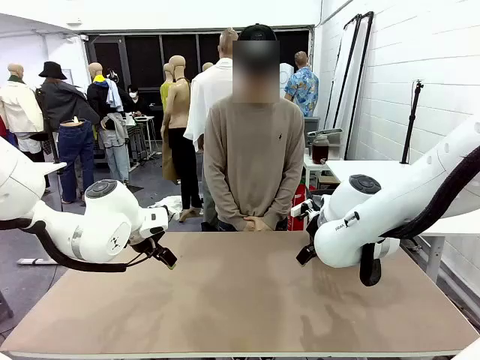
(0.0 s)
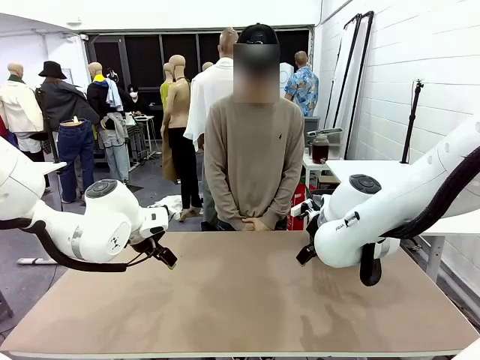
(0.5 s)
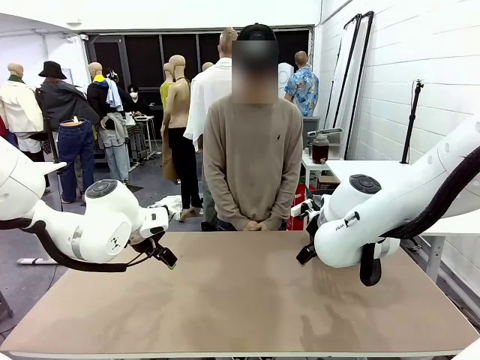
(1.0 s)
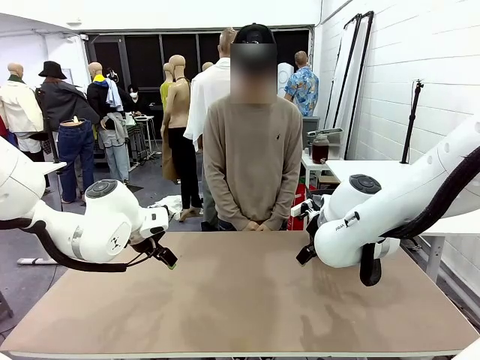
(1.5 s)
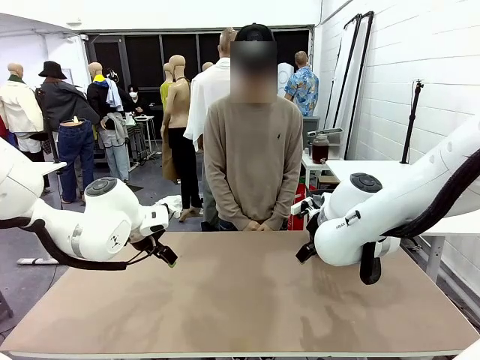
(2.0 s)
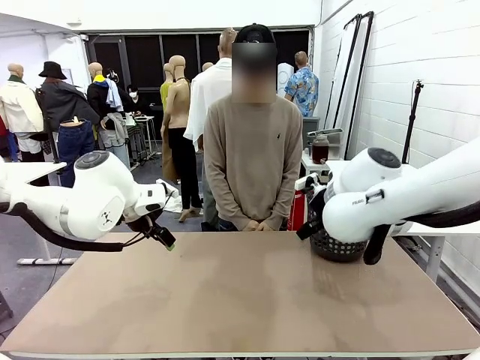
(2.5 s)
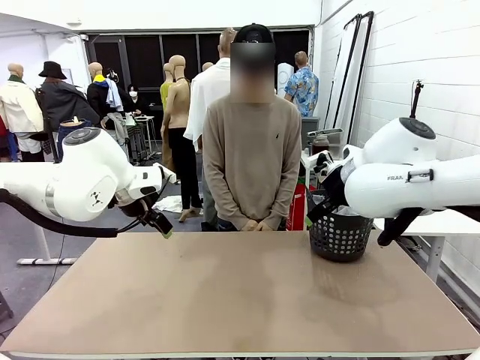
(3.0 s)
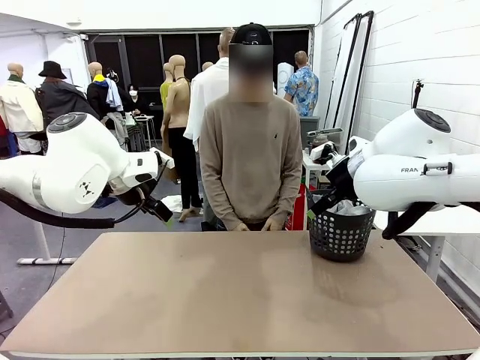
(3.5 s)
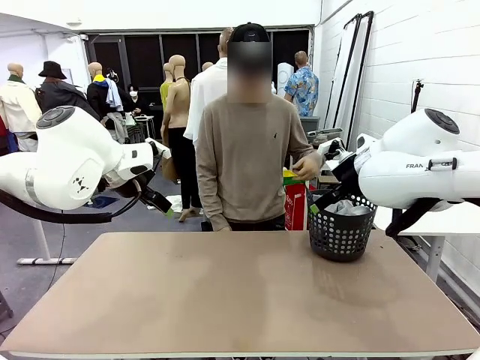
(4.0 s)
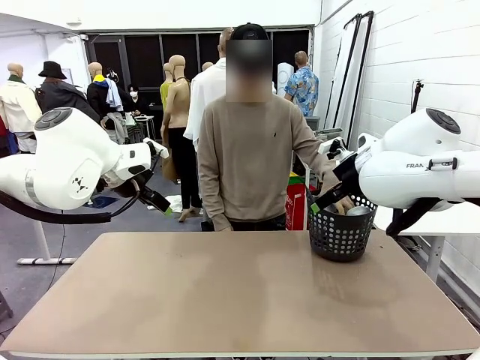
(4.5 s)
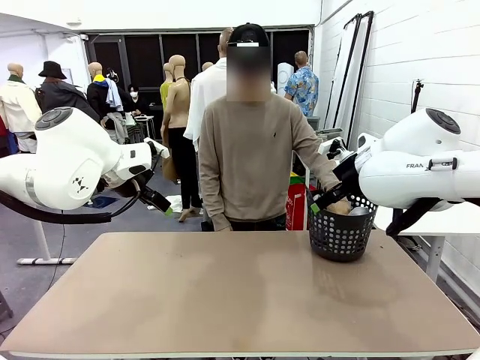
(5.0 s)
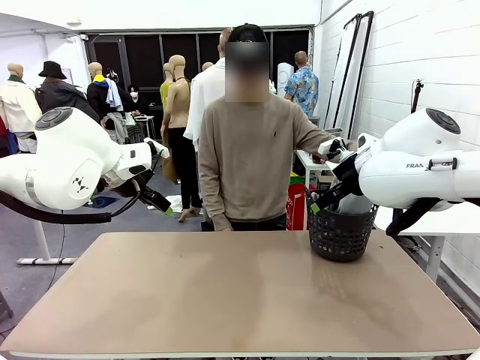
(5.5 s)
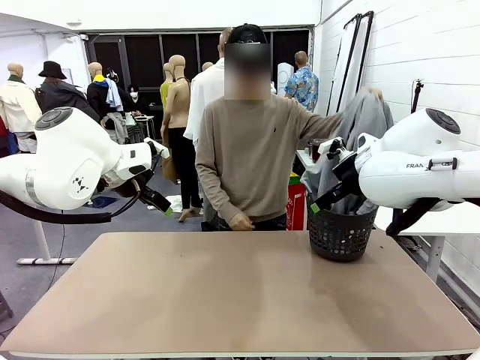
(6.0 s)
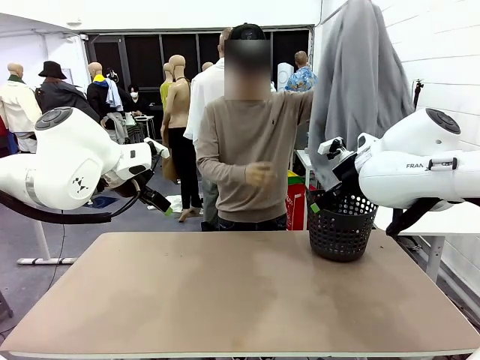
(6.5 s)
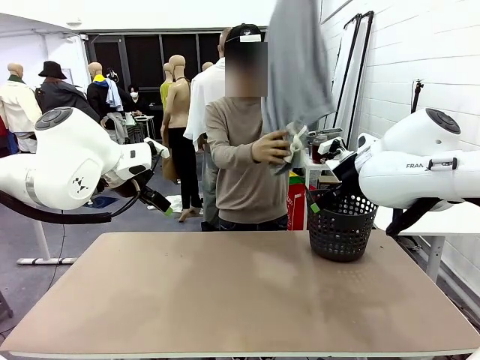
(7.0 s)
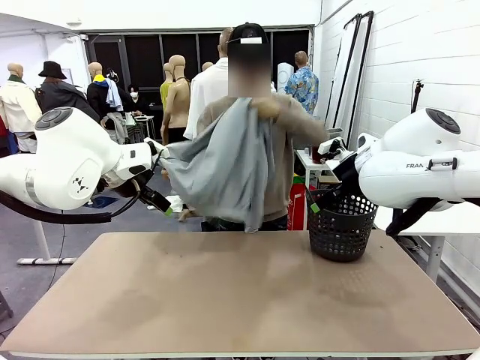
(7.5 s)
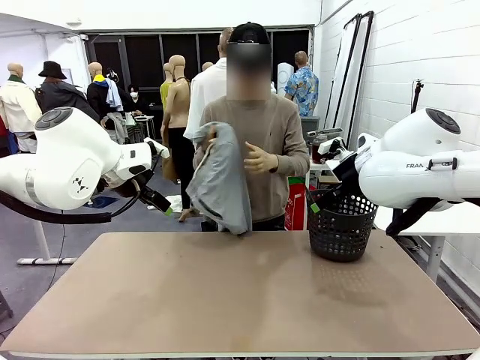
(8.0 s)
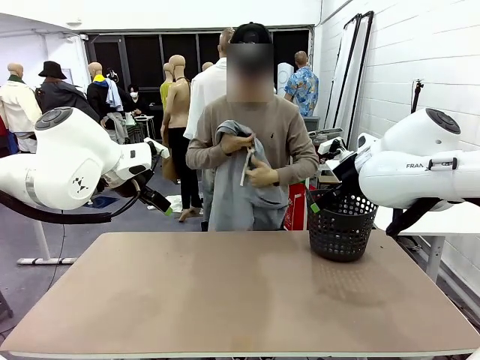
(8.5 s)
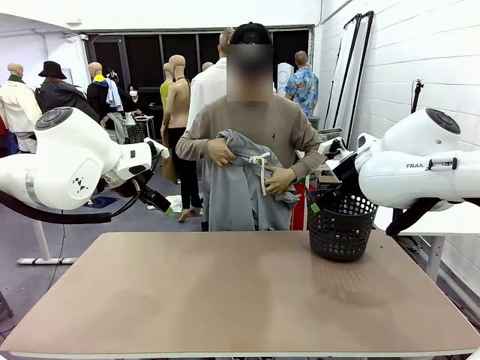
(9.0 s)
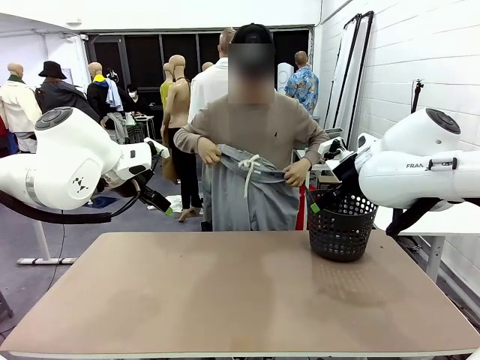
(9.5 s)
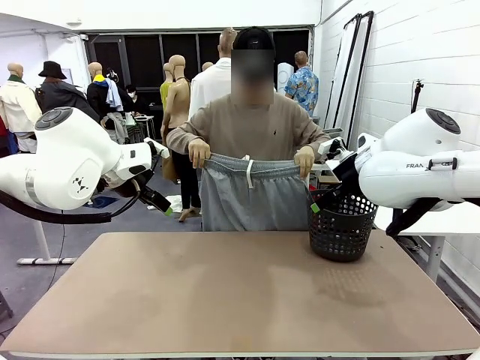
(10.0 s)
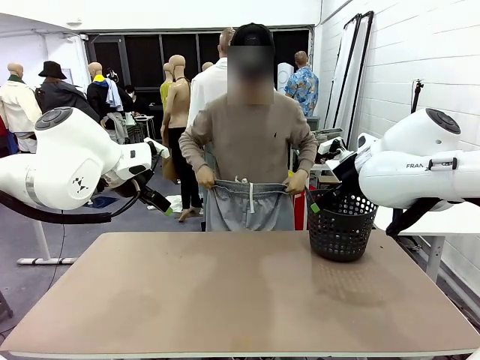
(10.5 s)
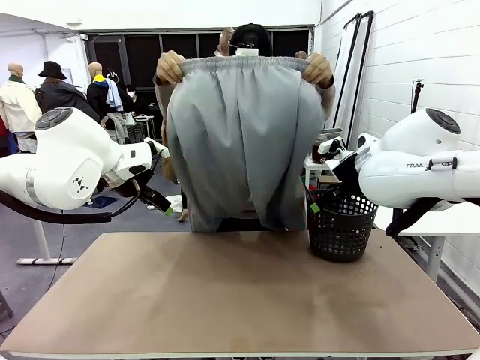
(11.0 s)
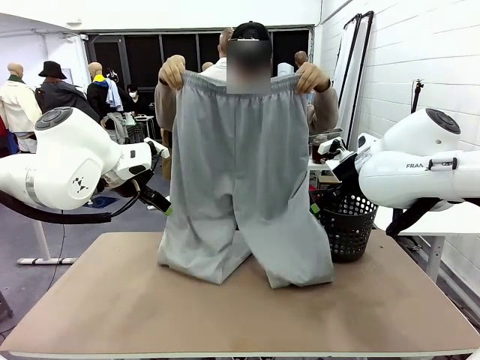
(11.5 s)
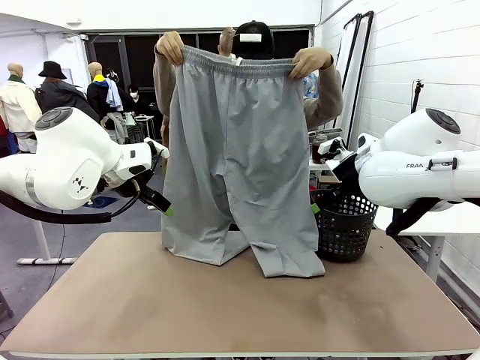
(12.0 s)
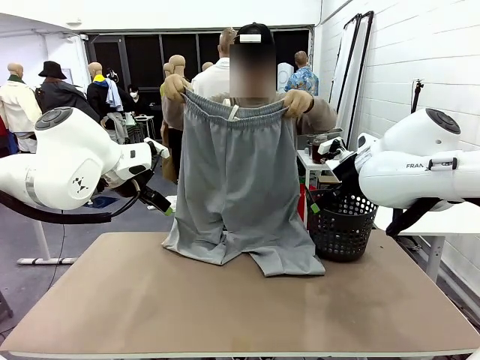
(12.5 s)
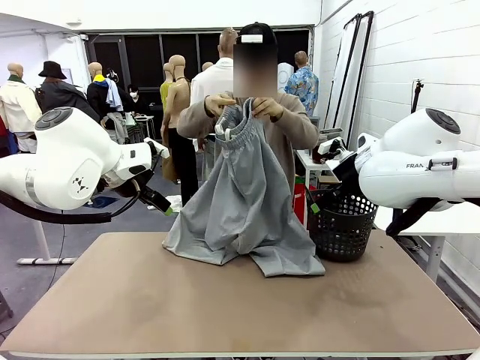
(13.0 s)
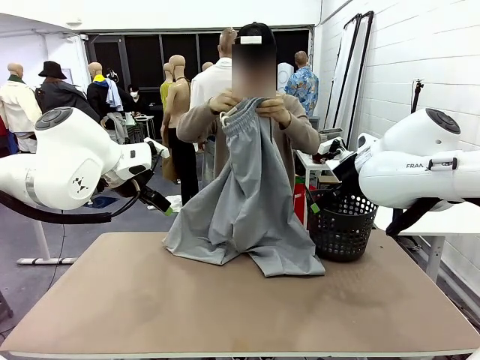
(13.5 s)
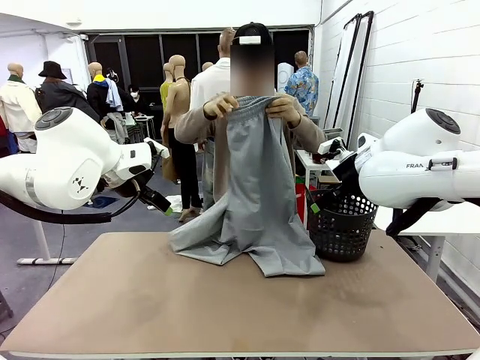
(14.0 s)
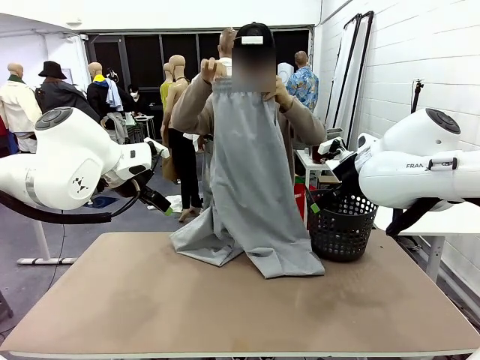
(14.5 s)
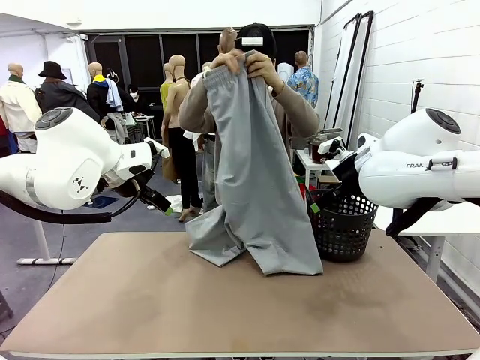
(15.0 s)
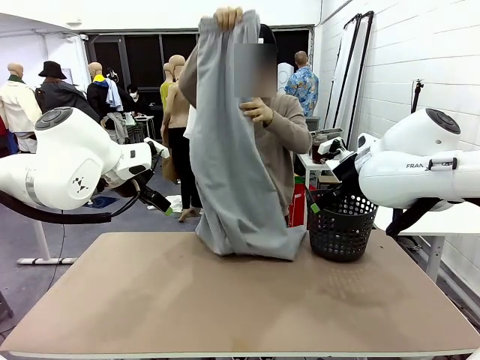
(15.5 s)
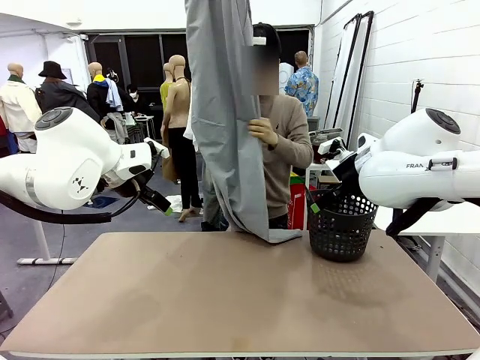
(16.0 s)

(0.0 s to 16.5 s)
Task: Fold the training pants.
Robot: Grab both ends of the Training pants handed by a person.
Person: Take the long pants out of the laundry basket, unfold them, fold the waist in half, and extend them so the robot can pick up both corners.

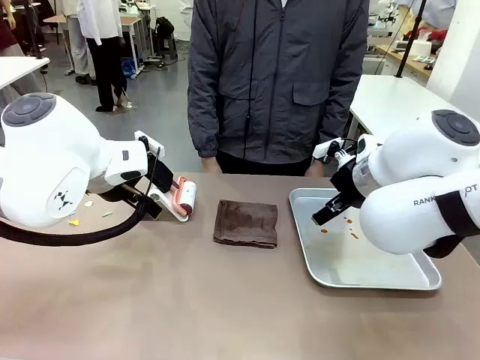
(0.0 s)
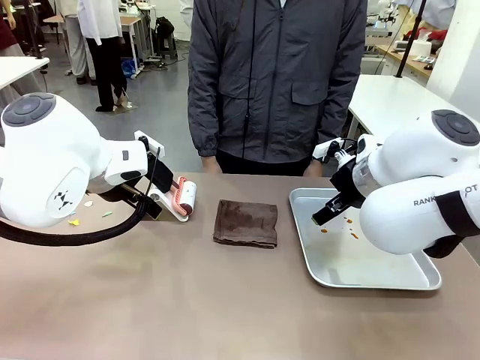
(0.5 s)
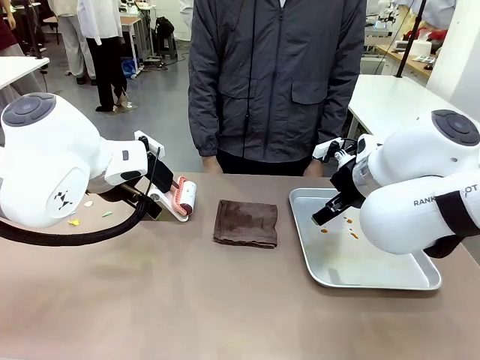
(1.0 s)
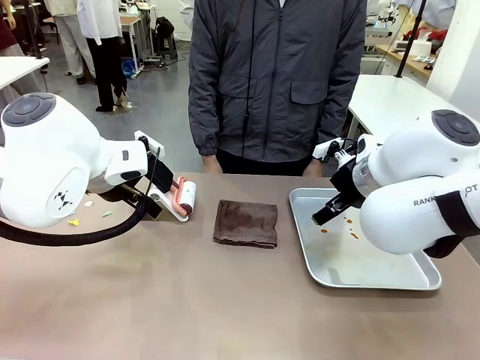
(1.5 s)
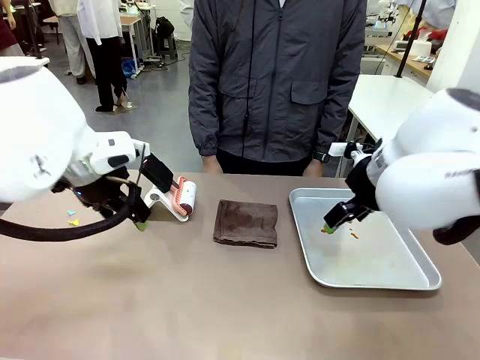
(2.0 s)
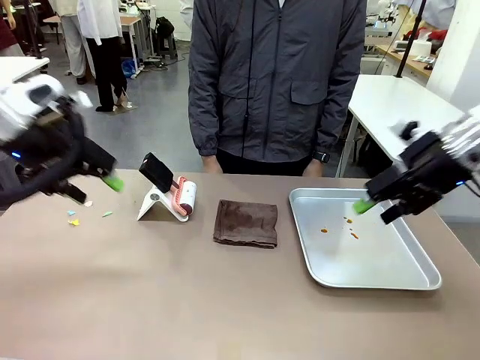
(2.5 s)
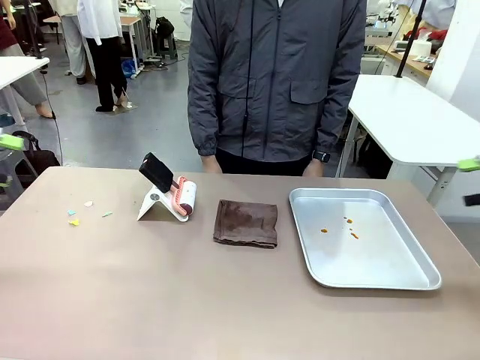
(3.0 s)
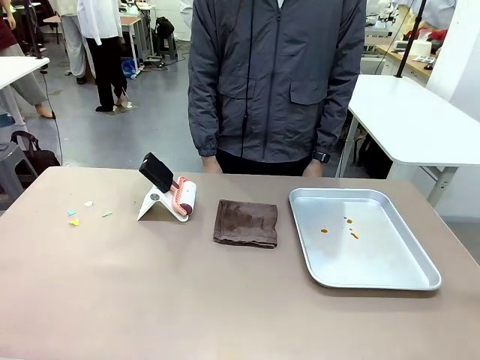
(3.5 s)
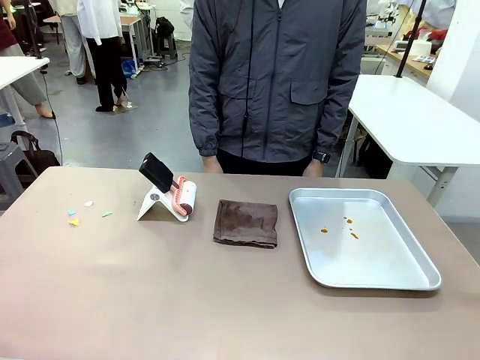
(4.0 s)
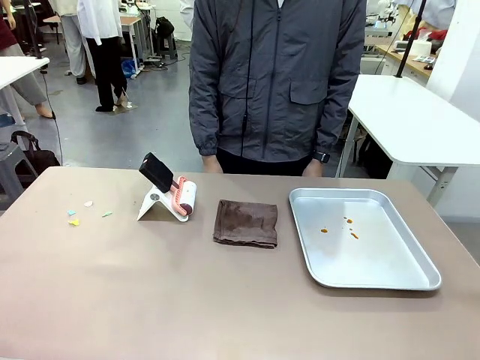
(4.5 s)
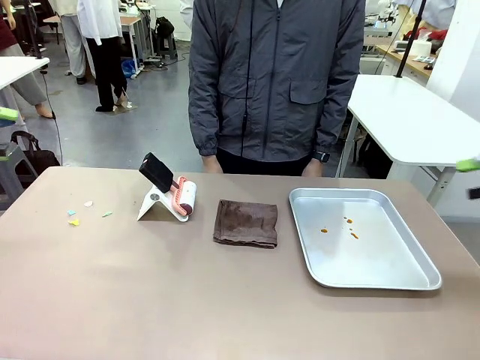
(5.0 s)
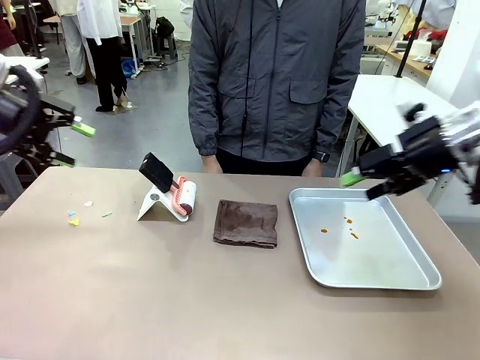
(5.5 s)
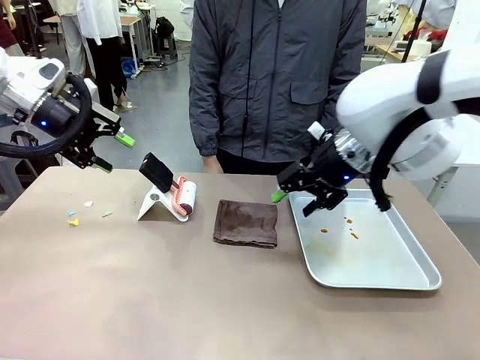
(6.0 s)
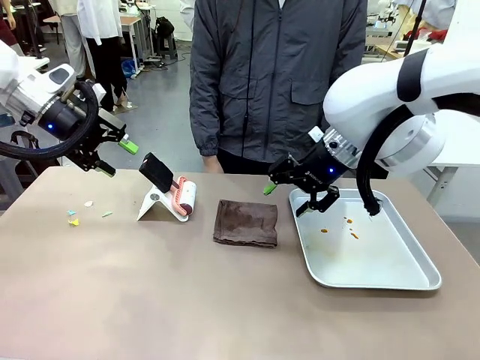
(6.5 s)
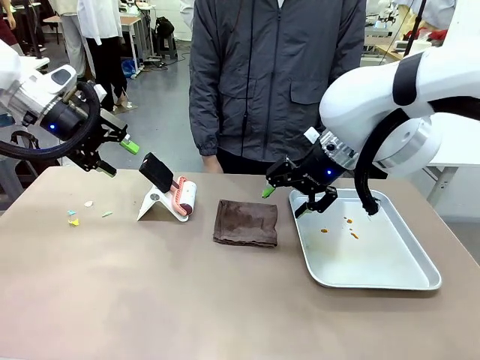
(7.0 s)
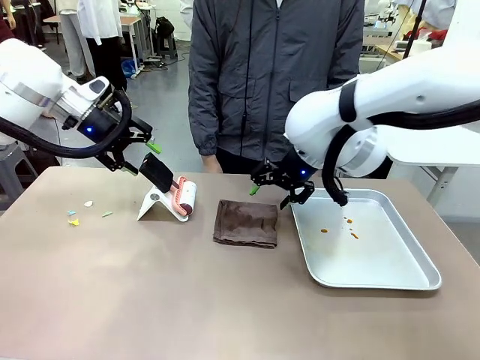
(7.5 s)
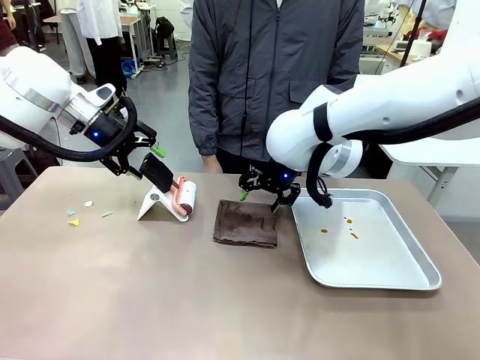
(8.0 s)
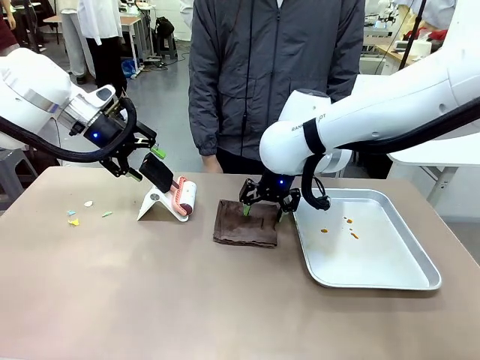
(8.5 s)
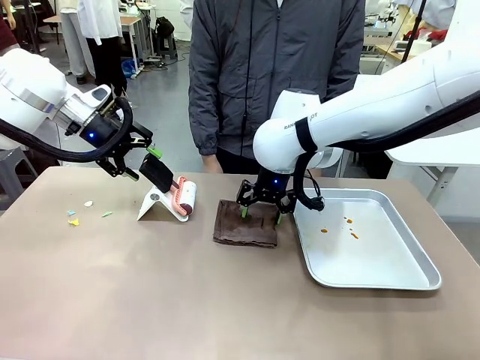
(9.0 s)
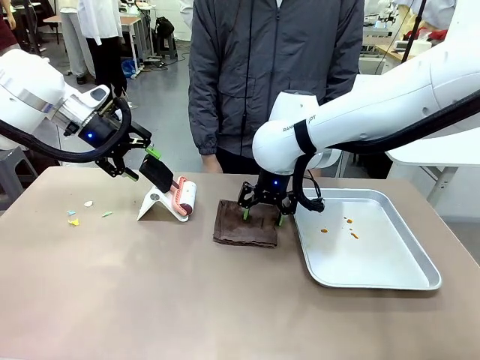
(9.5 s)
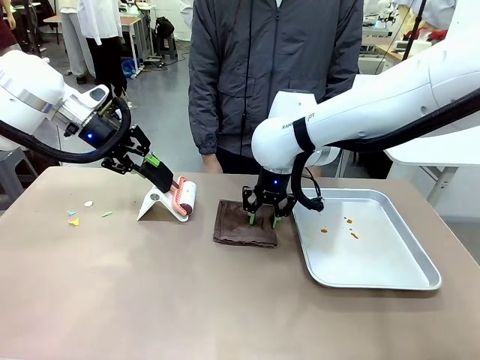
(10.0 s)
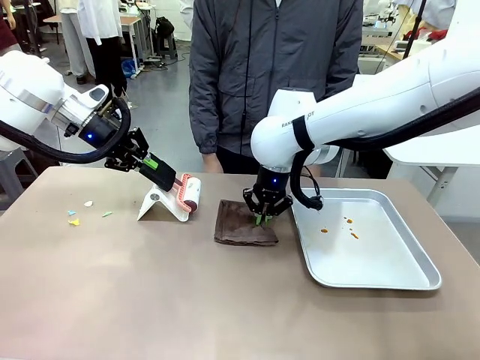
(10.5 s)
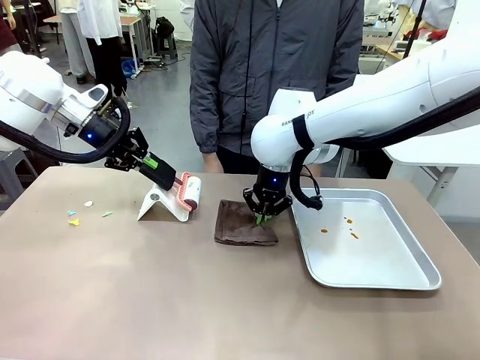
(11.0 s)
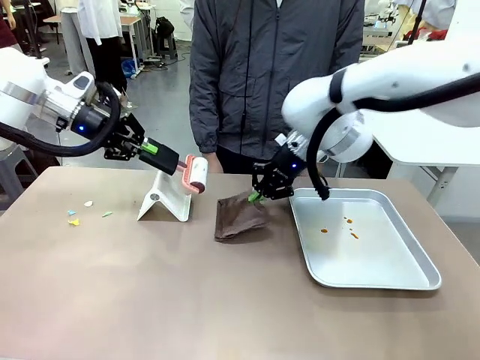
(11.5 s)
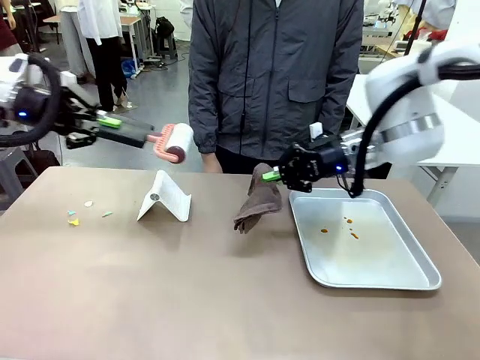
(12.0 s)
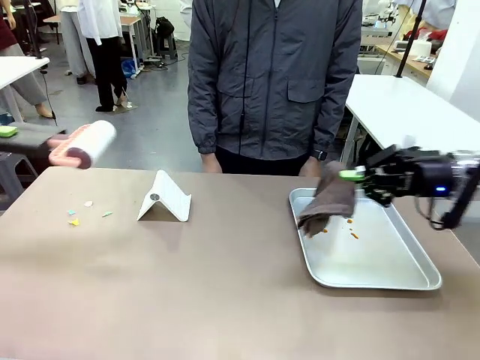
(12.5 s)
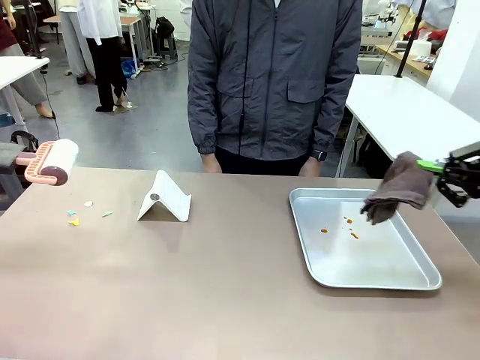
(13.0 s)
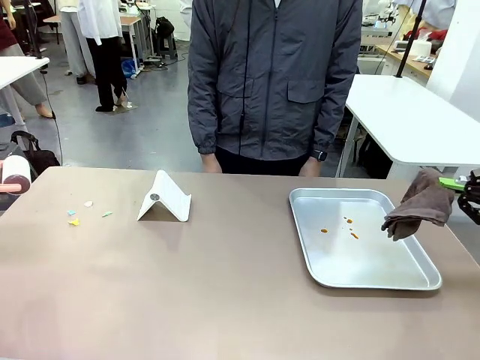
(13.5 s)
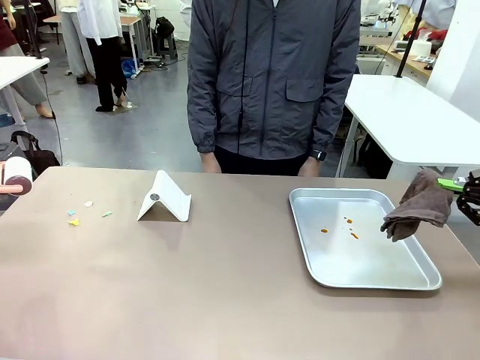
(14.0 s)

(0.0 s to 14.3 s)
Task: Clean the surface of the table.
Robot: Hold the Lint Roller with your left hand and the towel with your right hand.
